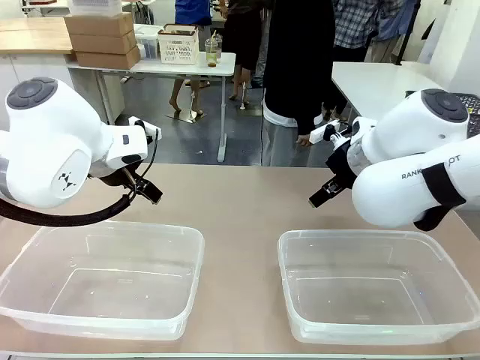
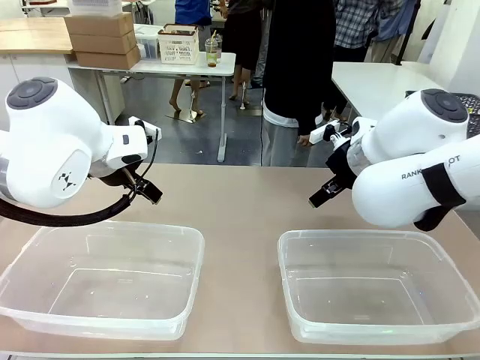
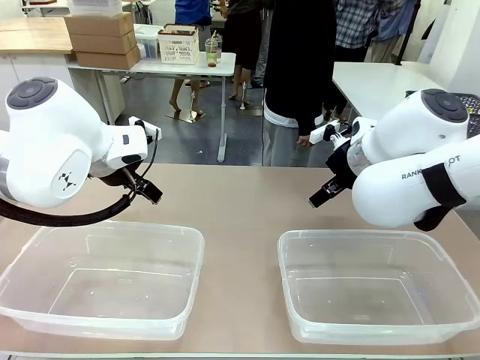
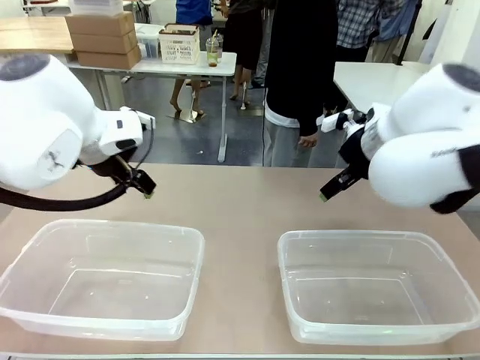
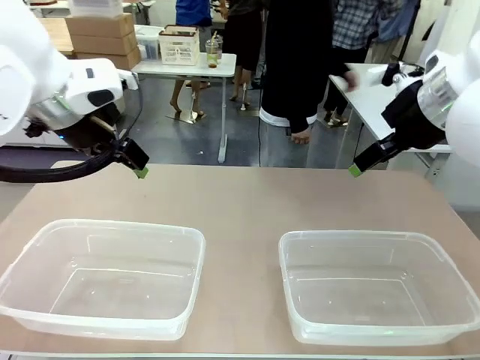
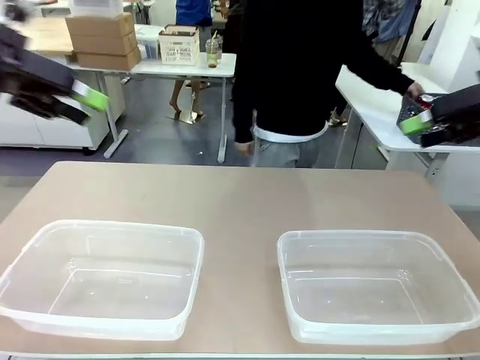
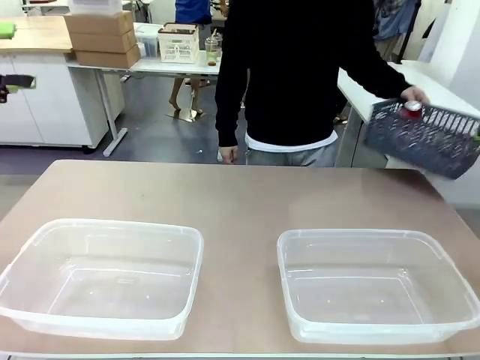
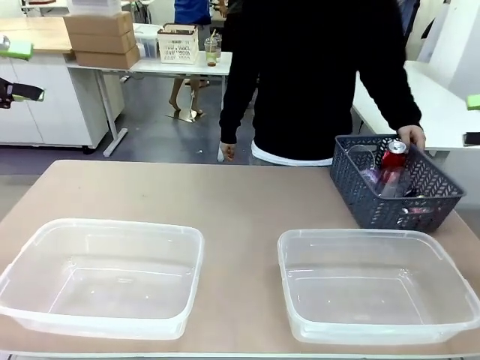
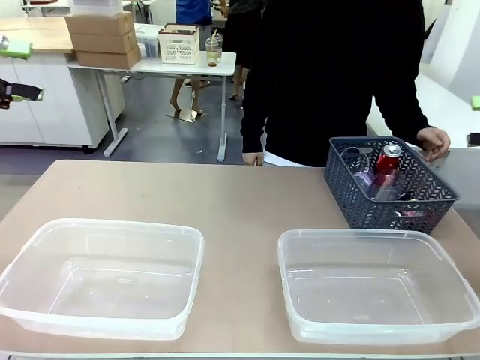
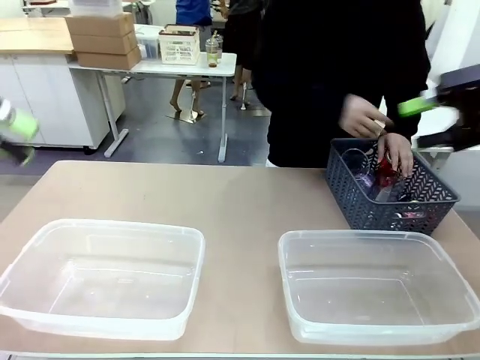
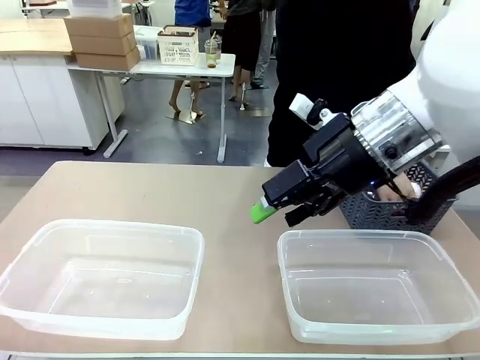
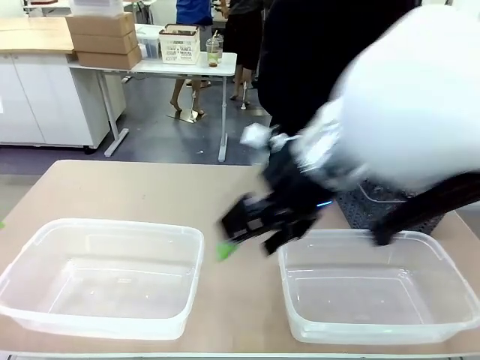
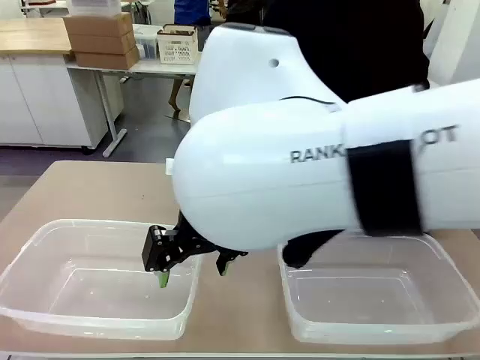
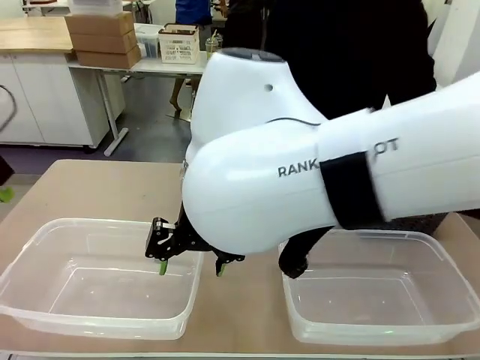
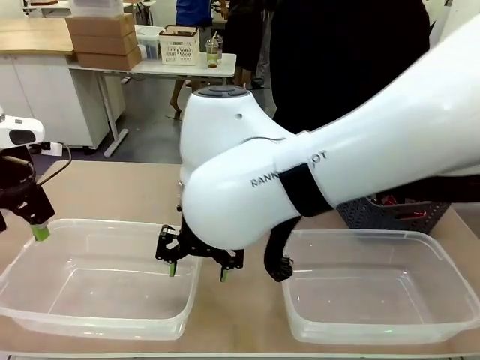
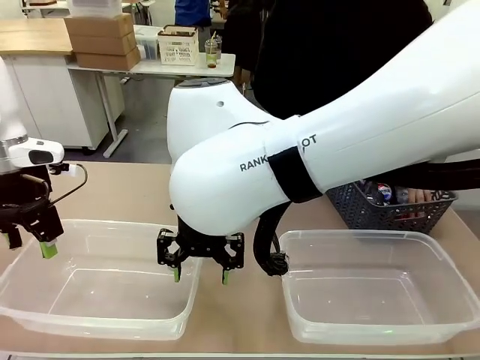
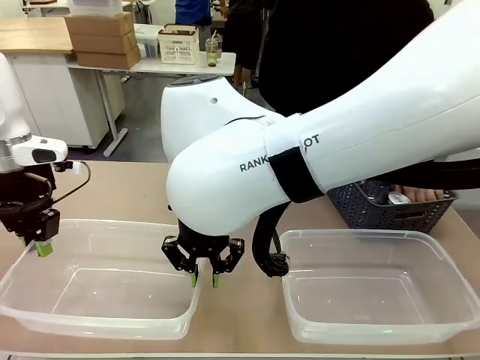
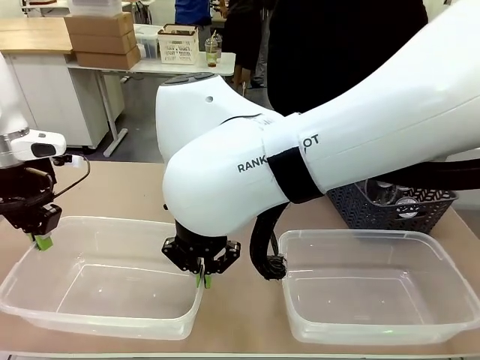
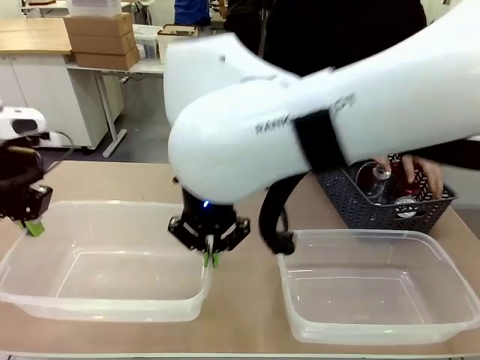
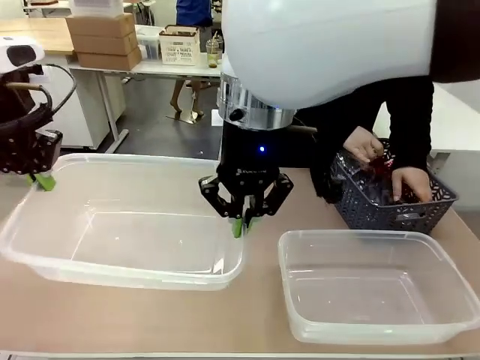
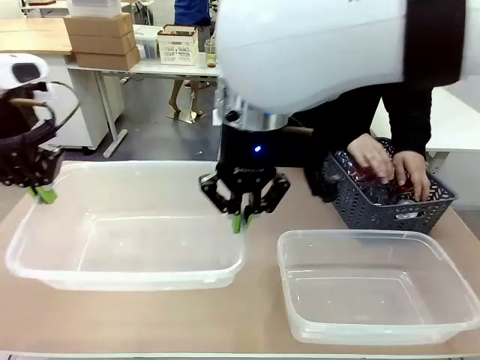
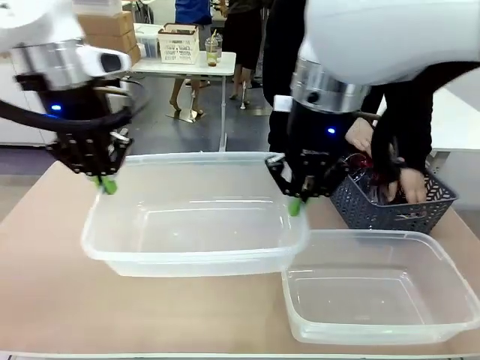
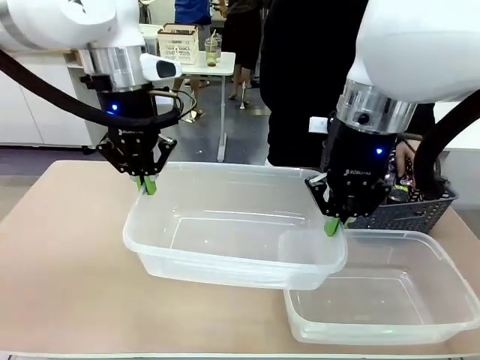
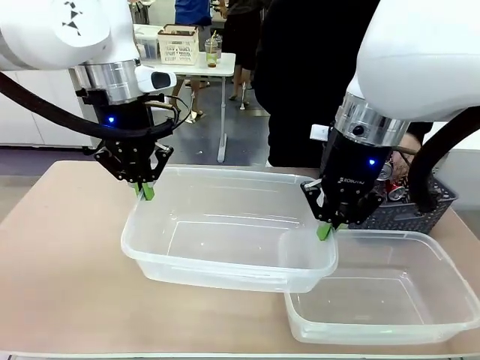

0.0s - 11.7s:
Robot: Pick up the Organizing box on the left side of the table and lift it.
Person: Pick up the storage basket and place it on the left side of the robot table. Pick up can-shaped waste one by one and place it into the organizing box lifted by the robot.

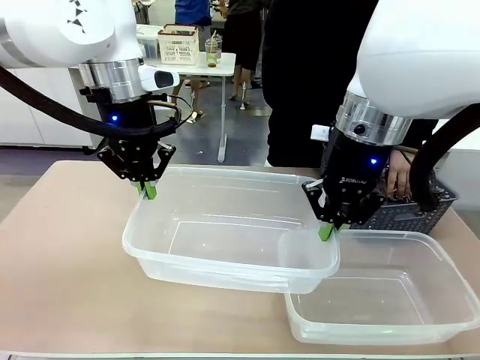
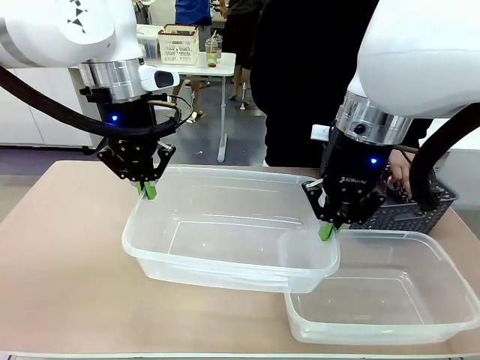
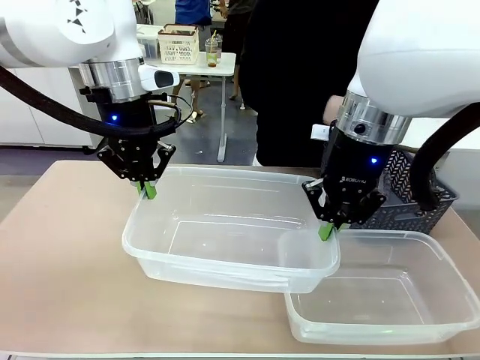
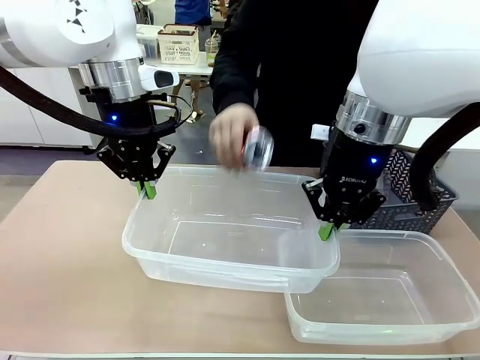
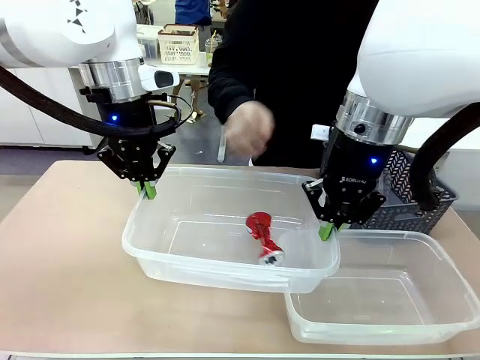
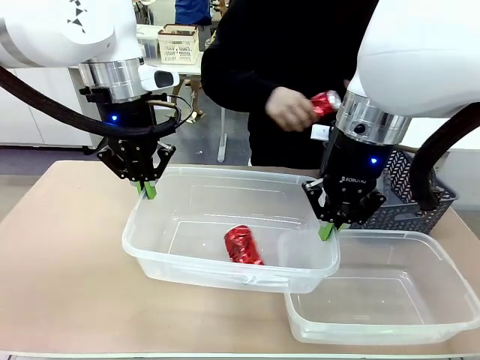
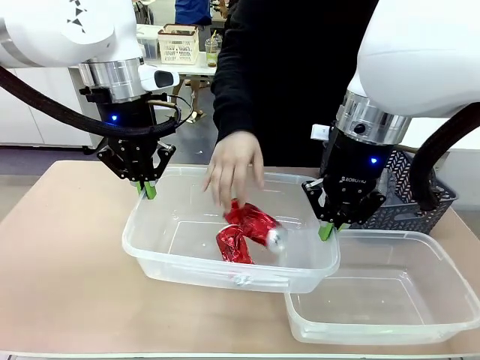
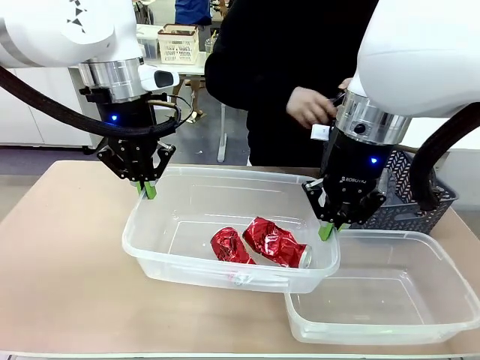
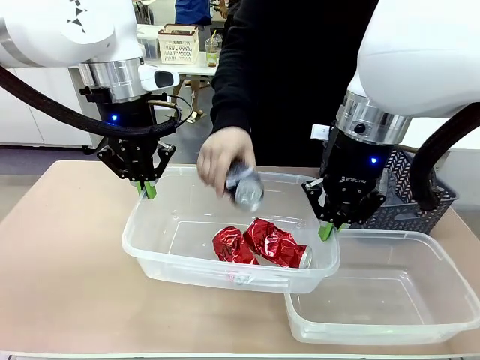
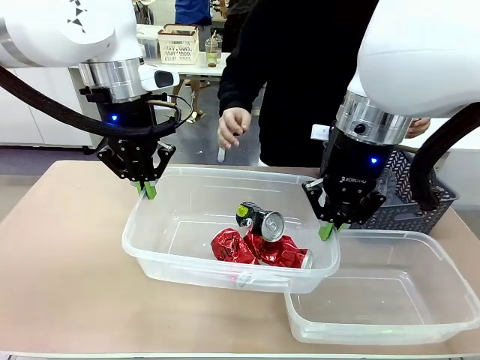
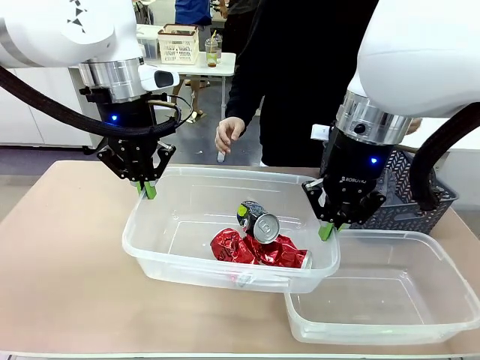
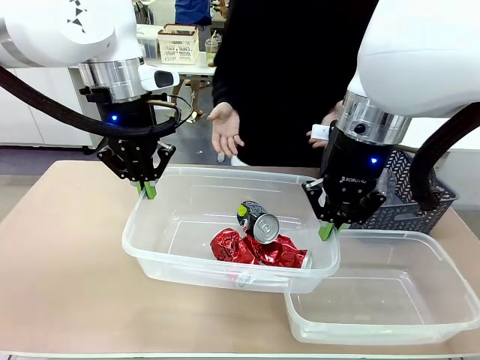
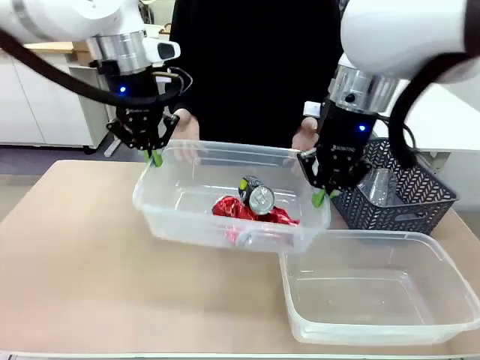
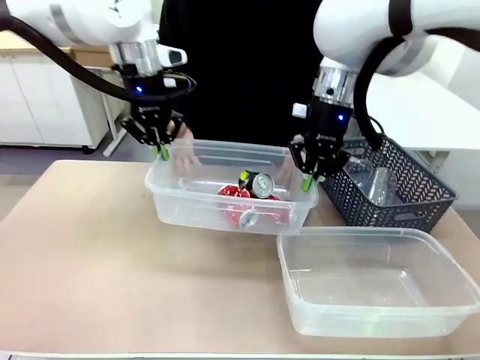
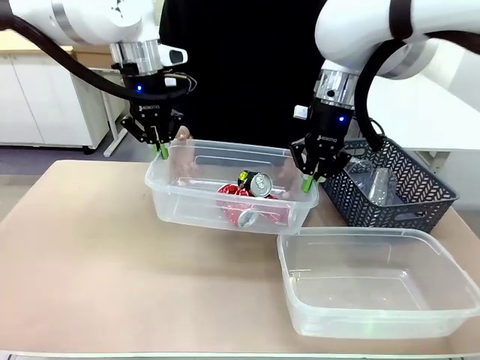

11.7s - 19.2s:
Robot: Offer the picked Organizing box to the human.

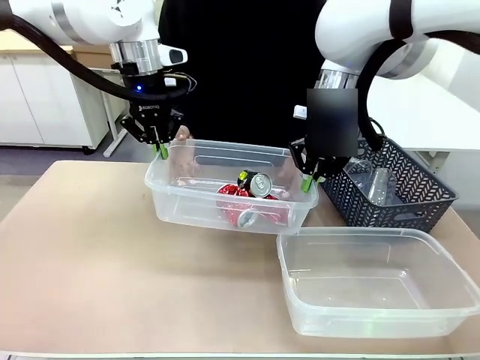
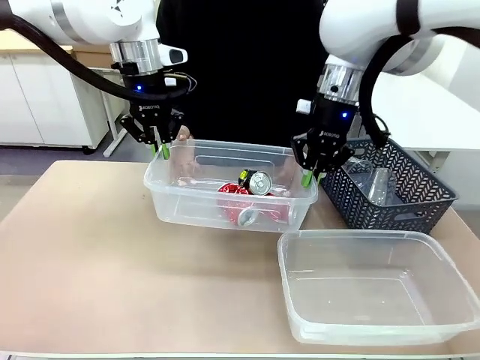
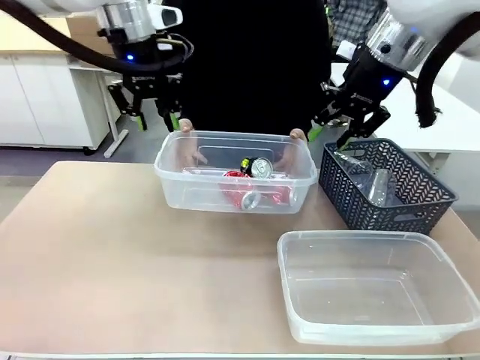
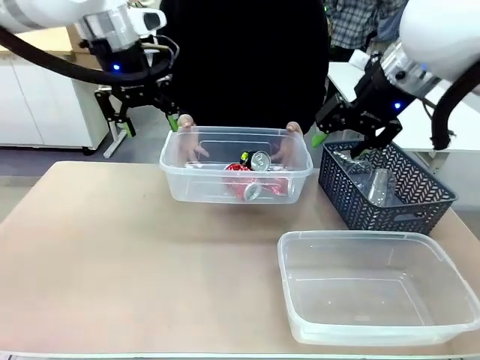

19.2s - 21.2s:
Robot: Release the Organizing box you were holding.

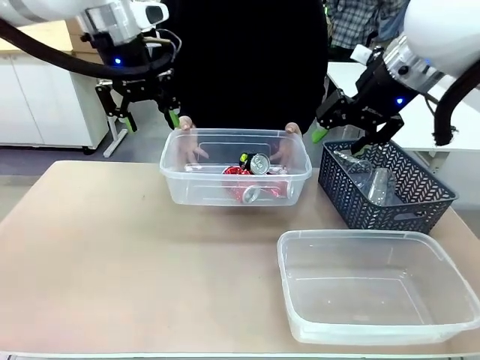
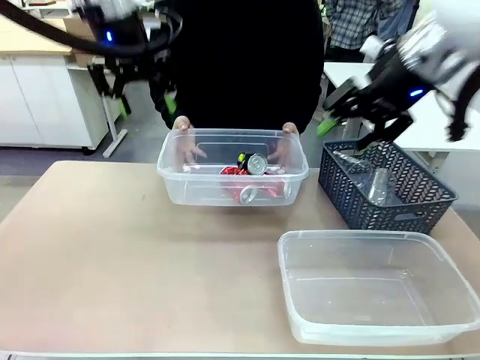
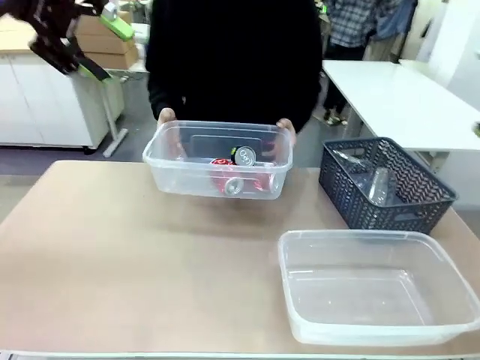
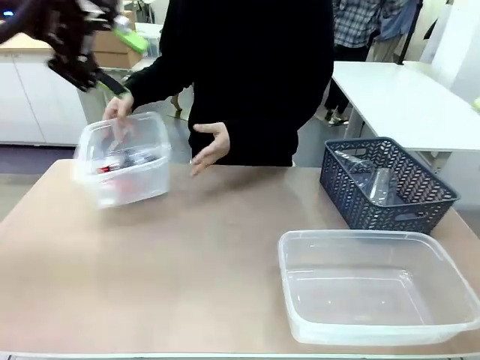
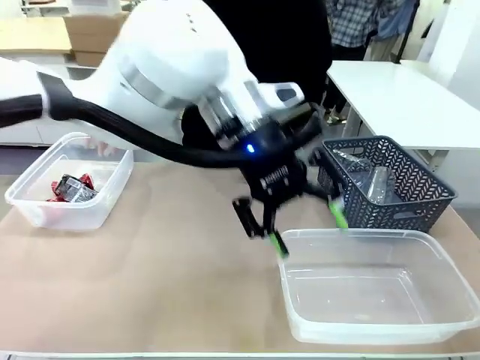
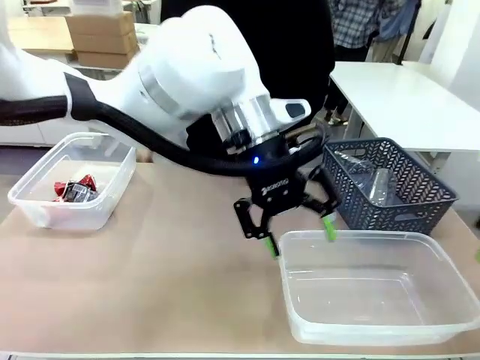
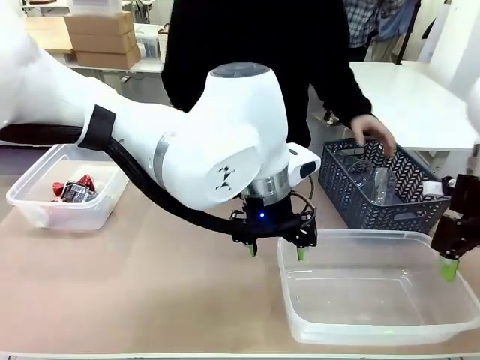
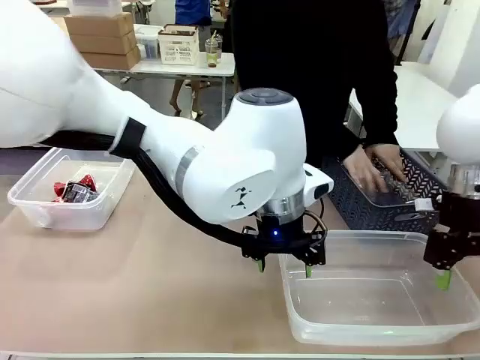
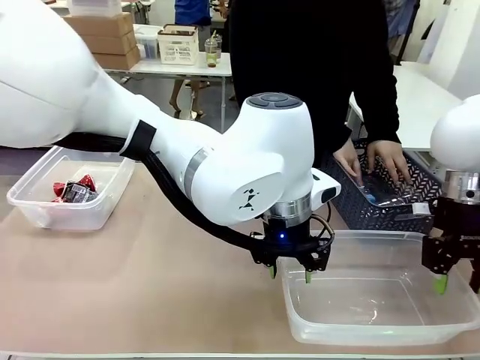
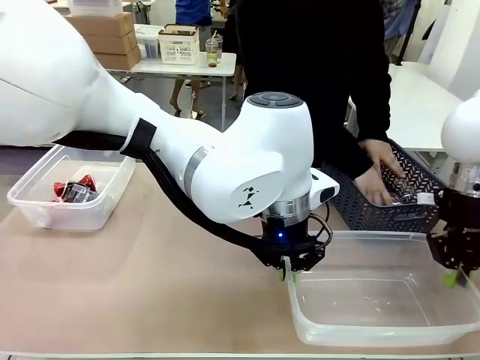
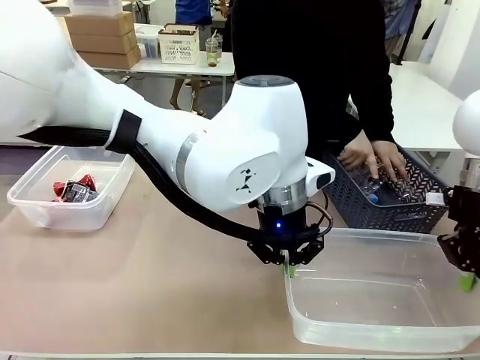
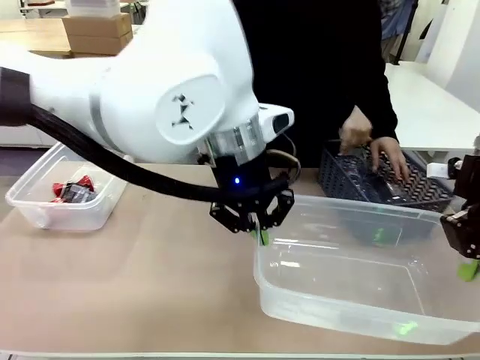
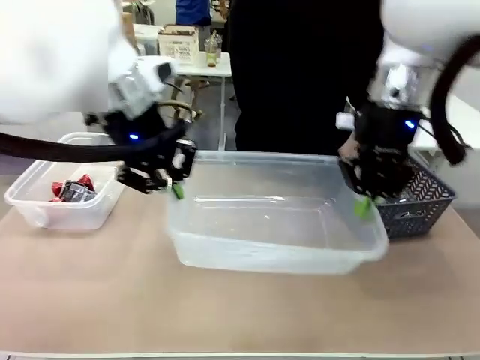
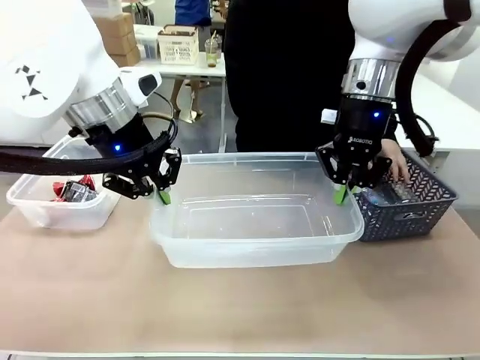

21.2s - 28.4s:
Robot: Pick up the Organizing box on the right side of the table and lift it.
Person: Place it at the edge of the bottom right area of the robot table.
